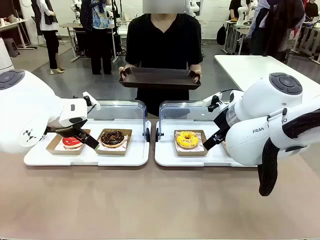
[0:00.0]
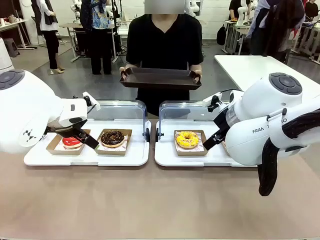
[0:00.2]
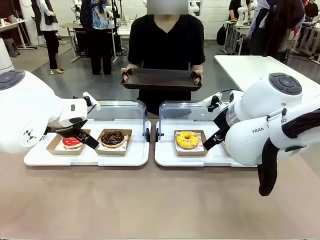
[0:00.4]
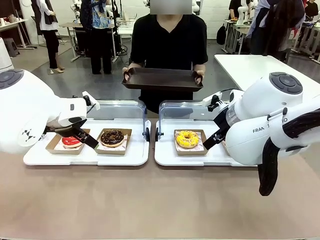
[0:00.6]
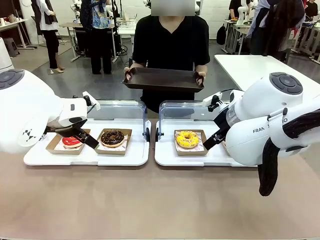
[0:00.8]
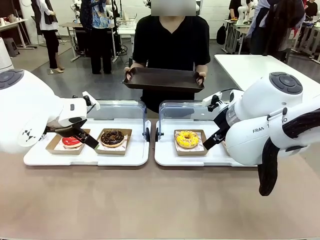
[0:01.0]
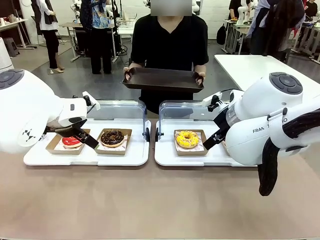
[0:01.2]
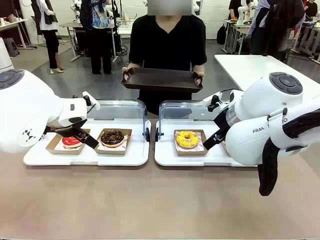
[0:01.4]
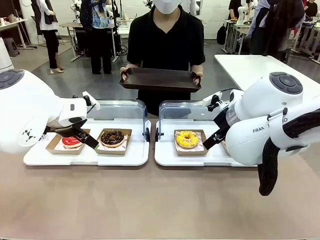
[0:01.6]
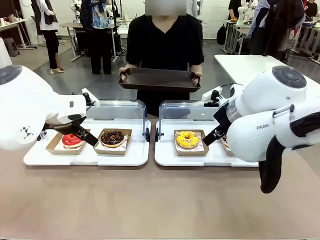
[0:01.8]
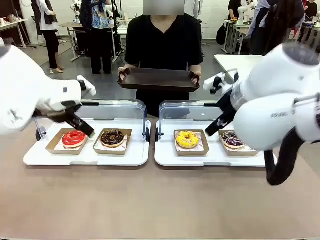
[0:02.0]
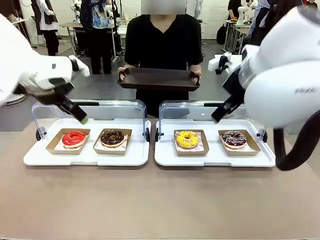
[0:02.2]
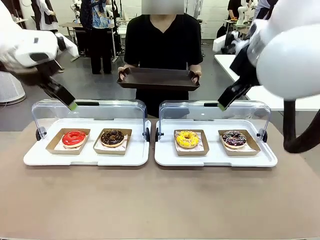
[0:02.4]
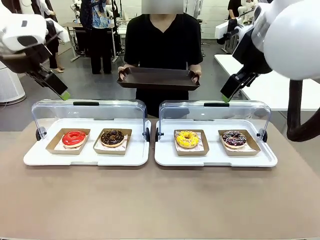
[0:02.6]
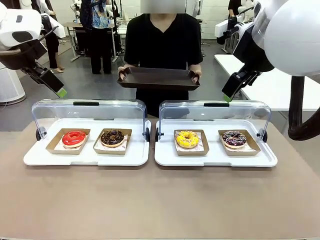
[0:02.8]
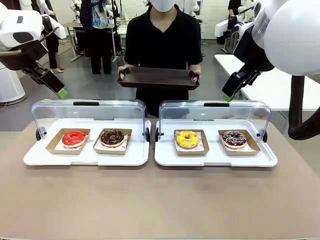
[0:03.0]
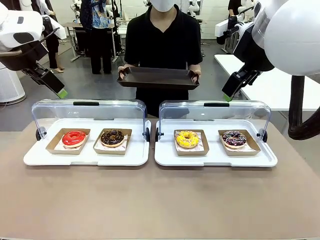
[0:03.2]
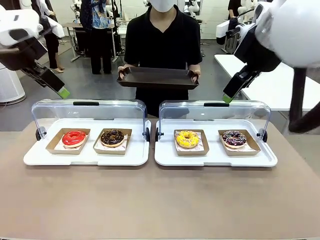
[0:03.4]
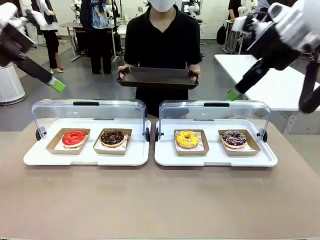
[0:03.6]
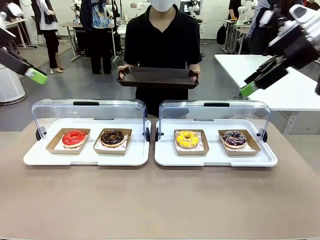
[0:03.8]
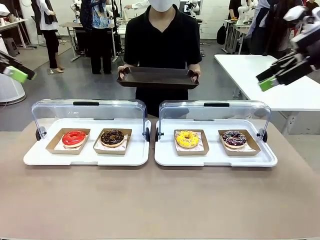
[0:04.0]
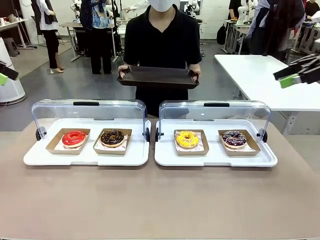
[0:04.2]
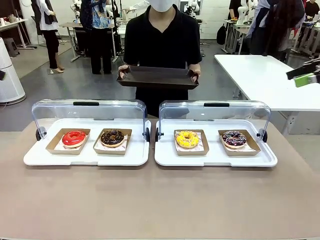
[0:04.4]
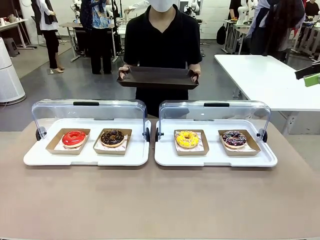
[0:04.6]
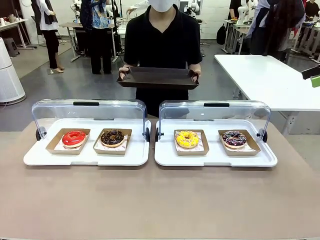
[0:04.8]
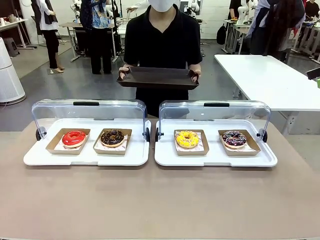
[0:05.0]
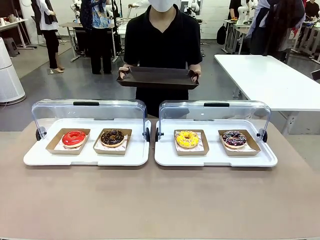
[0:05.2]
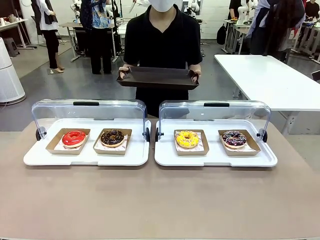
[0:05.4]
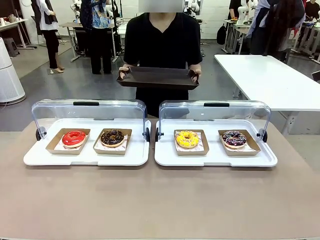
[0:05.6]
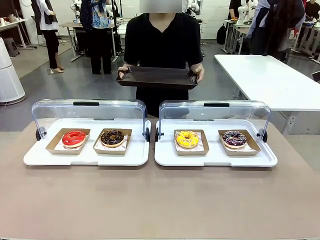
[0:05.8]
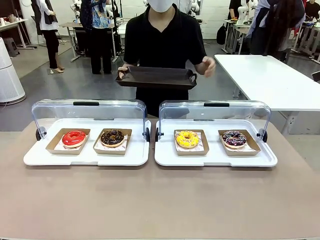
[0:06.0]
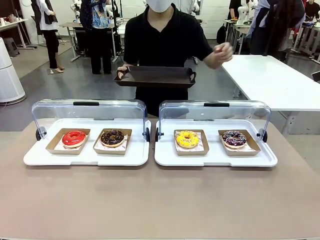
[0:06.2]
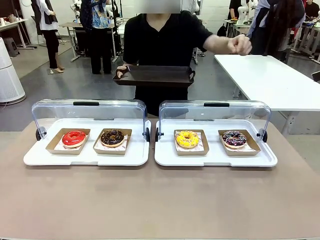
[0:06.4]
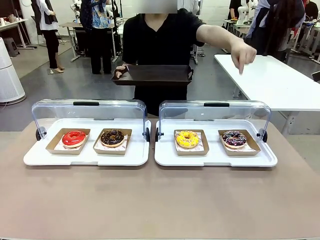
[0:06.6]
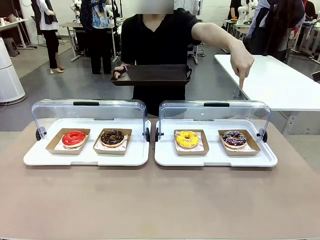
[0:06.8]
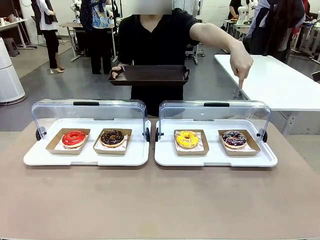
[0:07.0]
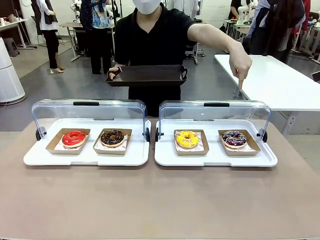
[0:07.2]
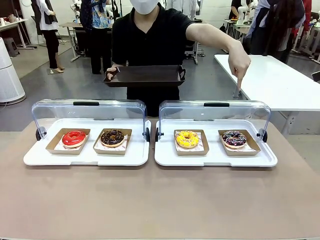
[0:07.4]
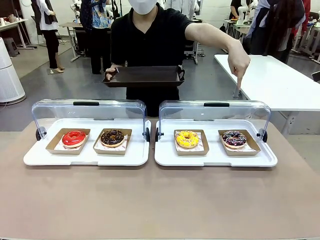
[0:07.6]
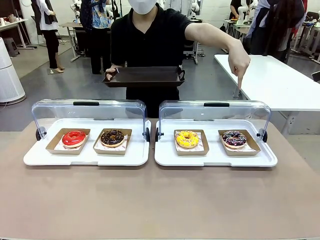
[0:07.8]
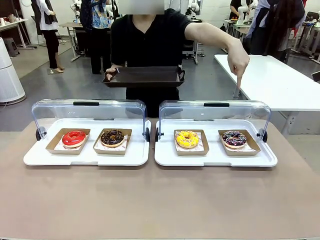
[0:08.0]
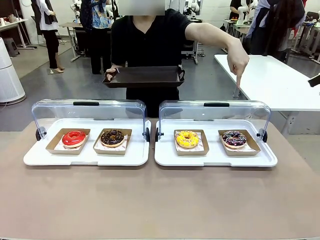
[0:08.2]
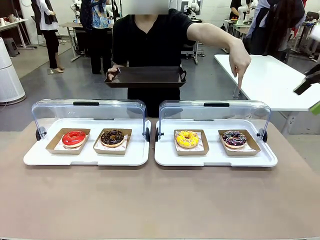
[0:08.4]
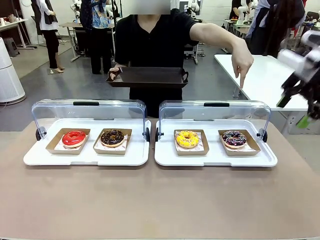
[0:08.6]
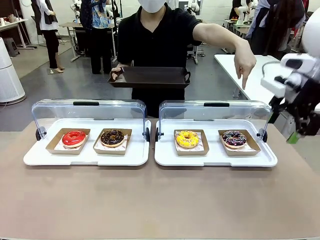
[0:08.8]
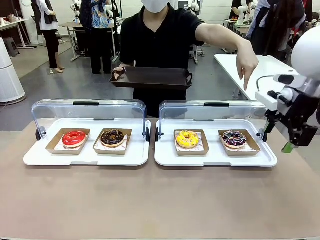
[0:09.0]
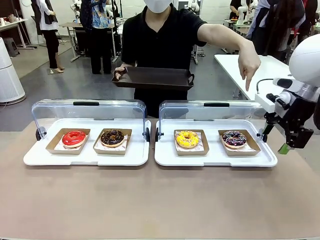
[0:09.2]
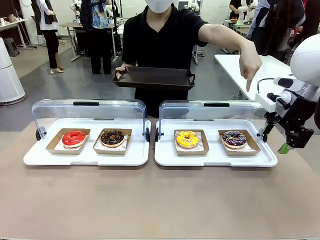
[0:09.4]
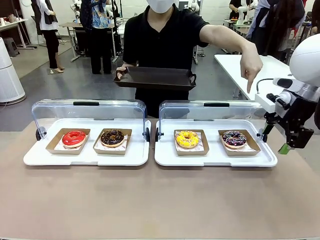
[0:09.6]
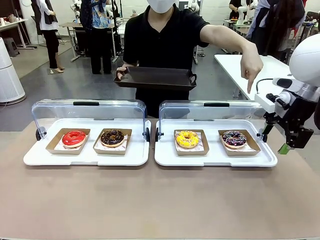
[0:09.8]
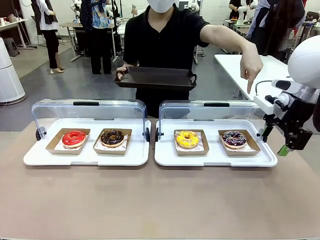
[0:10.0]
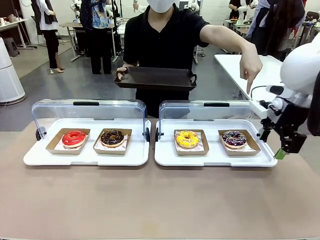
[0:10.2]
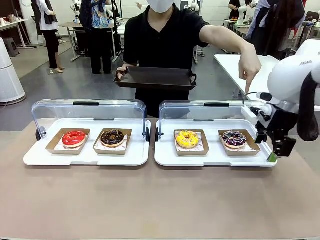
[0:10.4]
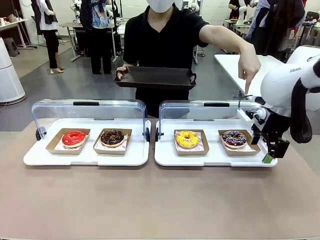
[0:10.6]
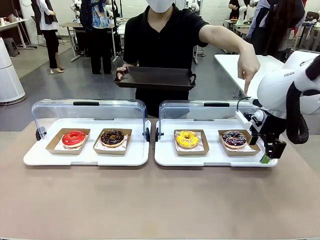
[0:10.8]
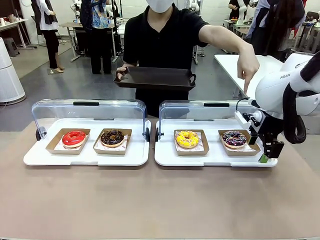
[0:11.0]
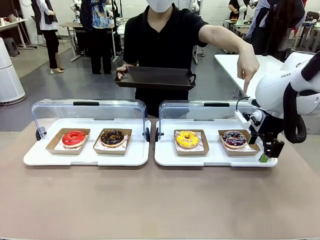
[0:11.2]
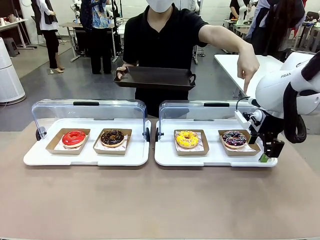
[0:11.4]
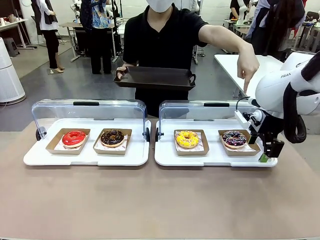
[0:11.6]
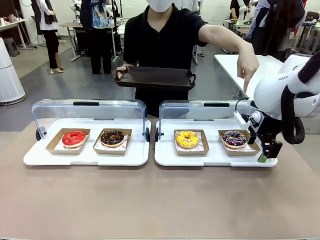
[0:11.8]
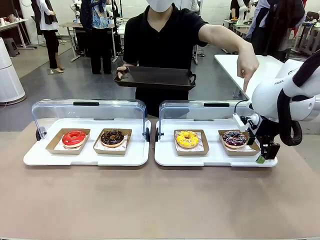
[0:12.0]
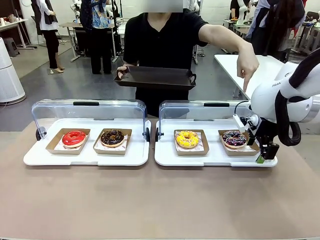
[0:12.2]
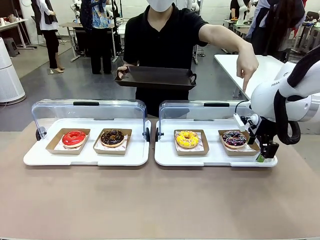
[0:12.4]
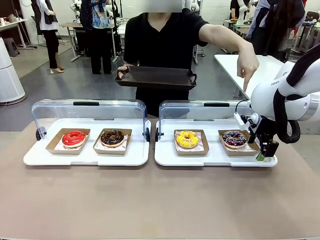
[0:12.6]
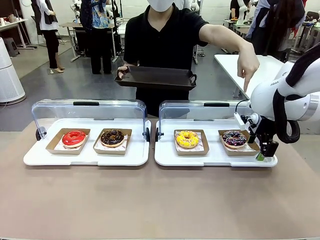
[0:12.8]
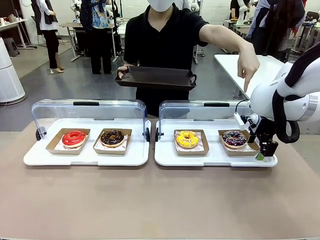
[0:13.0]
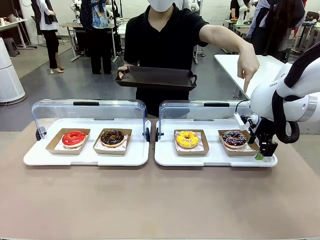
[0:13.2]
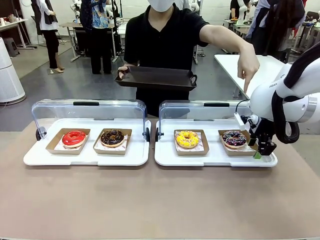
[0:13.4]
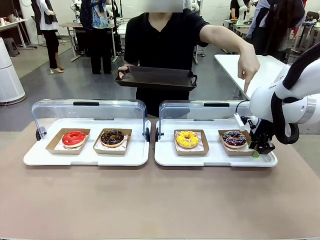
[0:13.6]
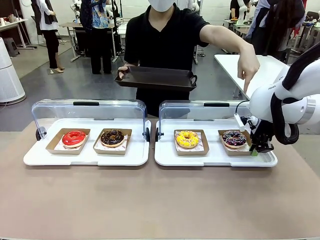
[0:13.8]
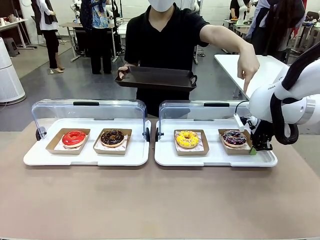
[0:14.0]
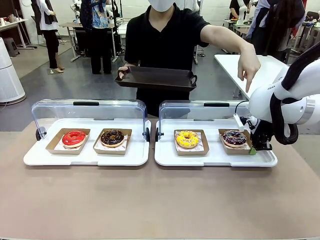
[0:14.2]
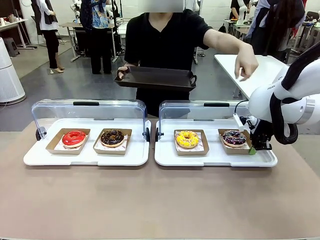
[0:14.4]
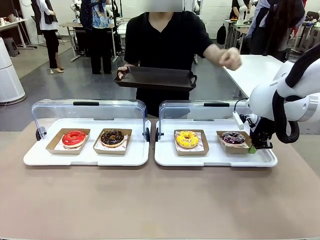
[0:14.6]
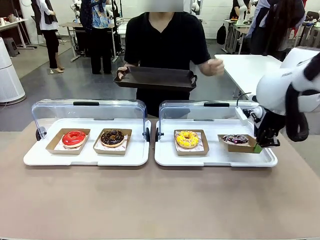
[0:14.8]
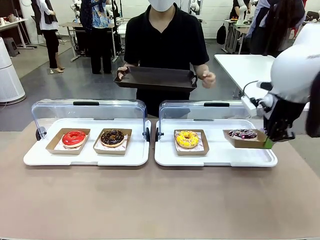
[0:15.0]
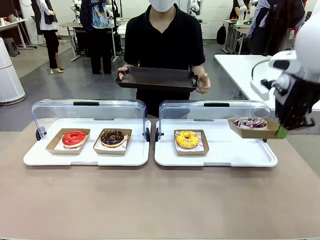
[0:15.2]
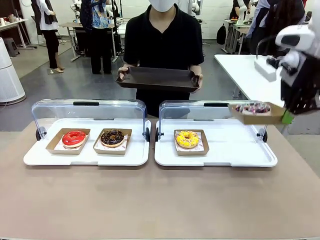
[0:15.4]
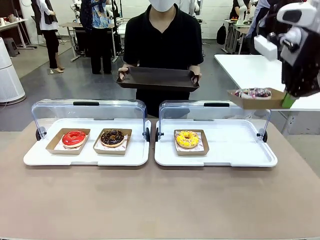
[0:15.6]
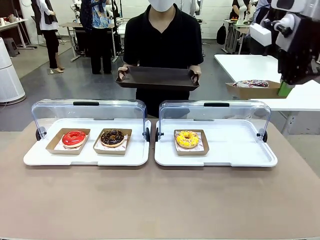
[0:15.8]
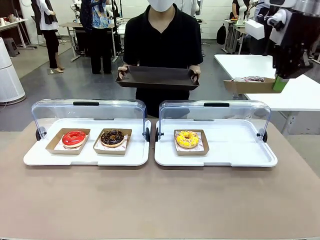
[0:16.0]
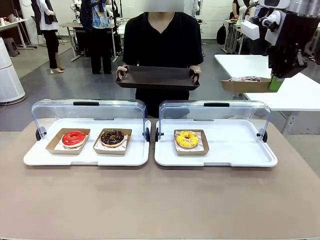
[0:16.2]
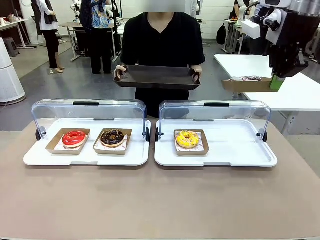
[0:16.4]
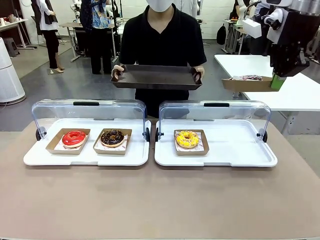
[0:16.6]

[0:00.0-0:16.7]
Task: Provide the desired donut to the person.
Robot: Pick up and lift the Paper togo box containing the Donut pointed at by the person.
Person: Point to one donut. Lift the tray onto the Roll-Top Bakery Case.

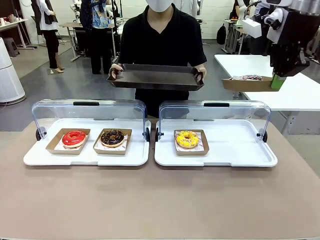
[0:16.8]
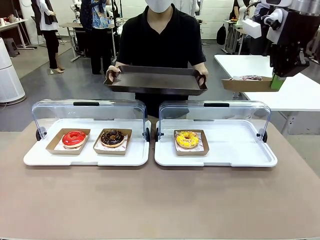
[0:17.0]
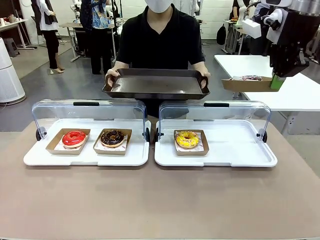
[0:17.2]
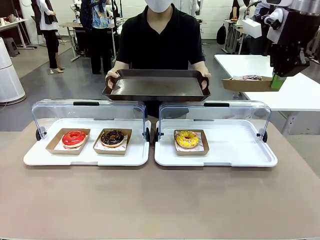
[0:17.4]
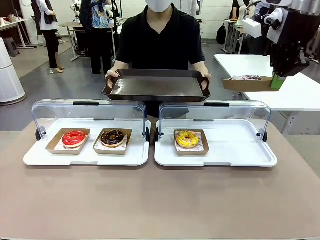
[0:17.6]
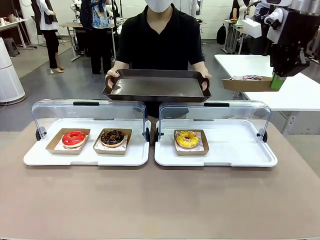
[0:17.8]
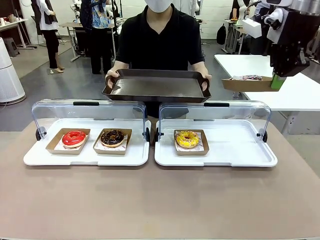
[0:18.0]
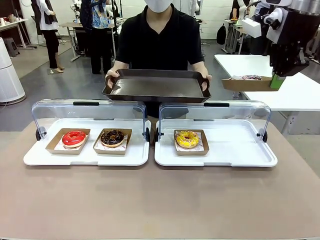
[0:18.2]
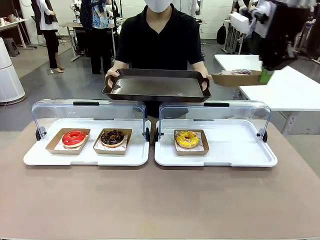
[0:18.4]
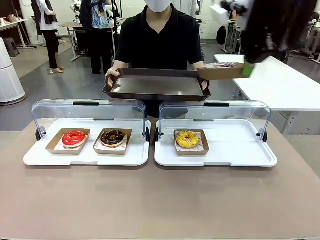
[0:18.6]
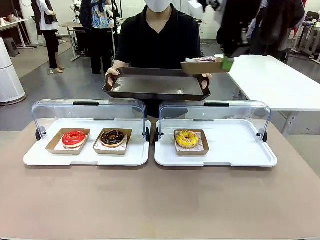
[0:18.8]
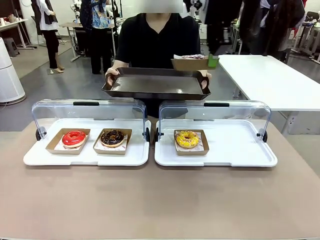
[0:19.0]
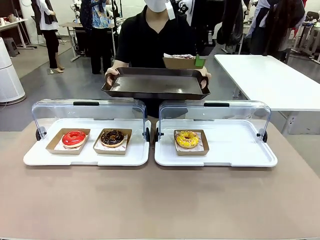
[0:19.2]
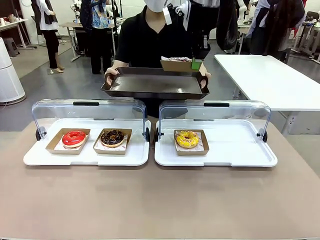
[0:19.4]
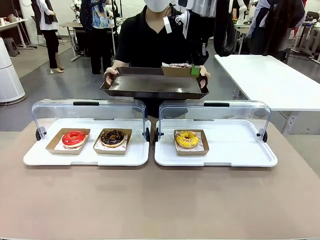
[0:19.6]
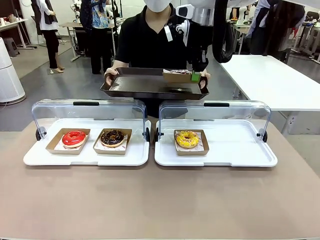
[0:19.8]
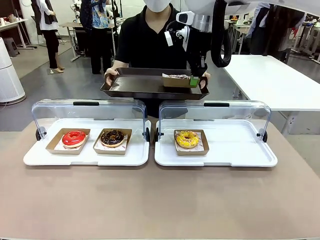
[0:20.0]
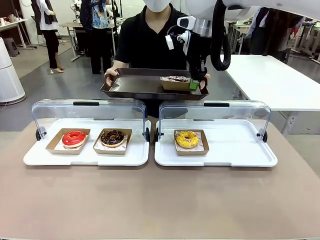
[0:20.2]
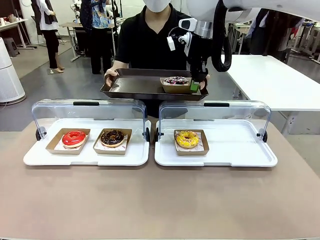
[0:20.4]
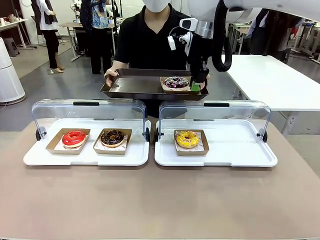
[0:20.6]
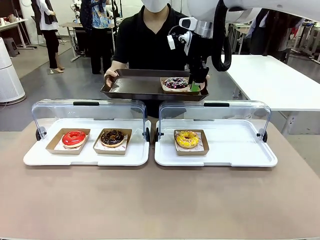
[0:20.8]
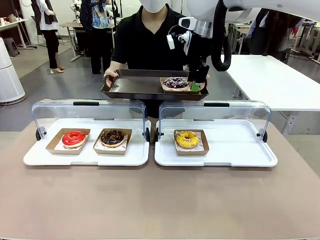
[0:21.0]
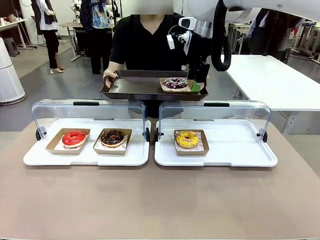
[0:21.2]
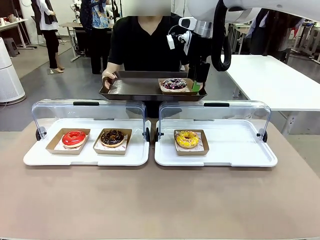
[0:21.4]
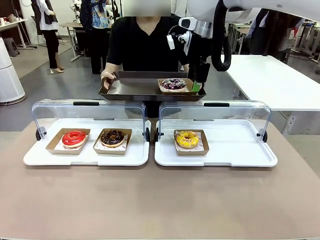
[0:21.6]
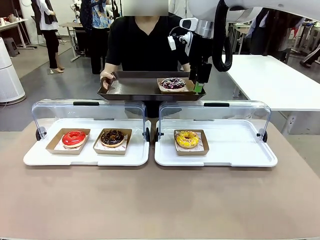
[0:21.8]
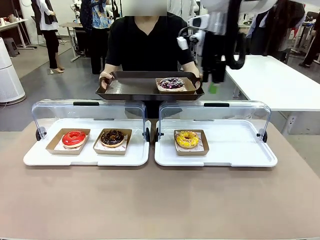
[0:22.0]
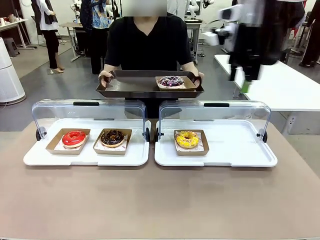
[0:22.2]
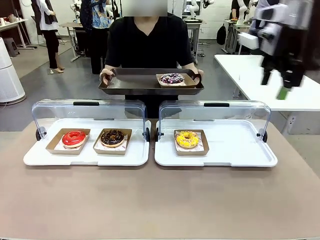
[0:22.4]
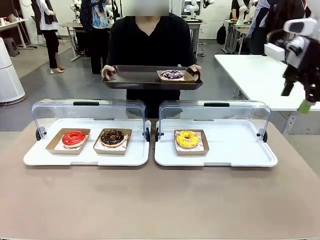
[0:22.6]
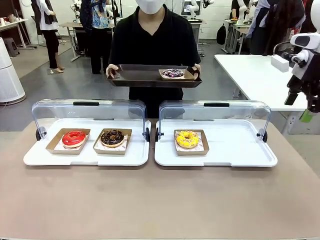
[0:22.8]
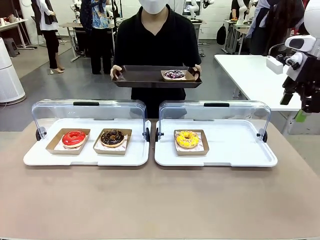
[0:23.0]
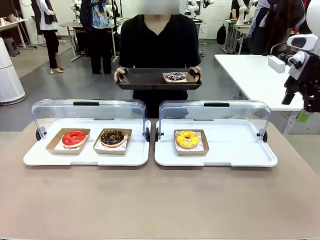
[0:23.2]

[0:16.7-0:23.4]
Robot: Place the picked Paper togo box onto the Handle tray extended by the person.
